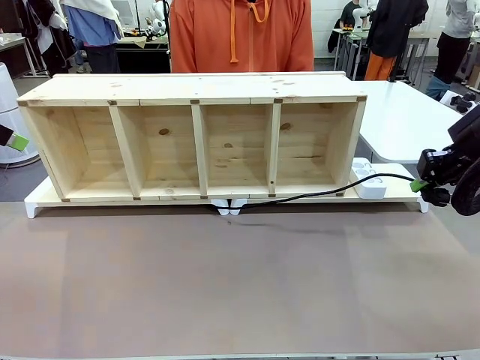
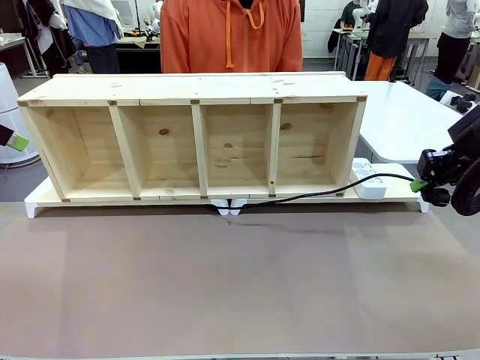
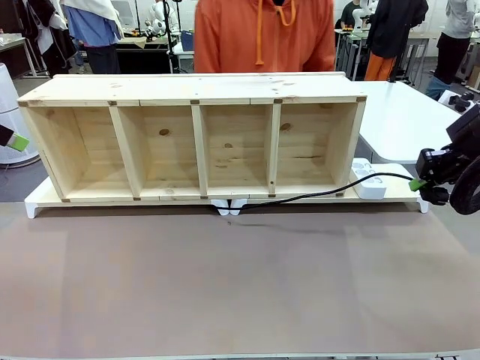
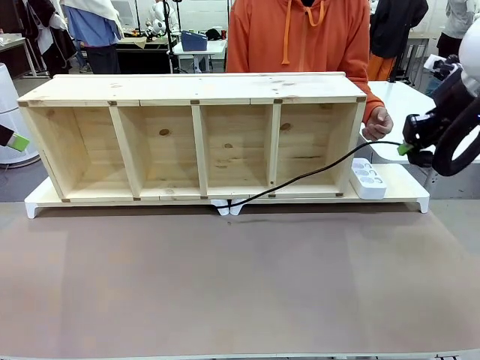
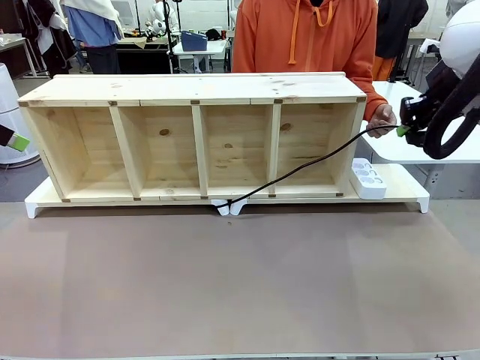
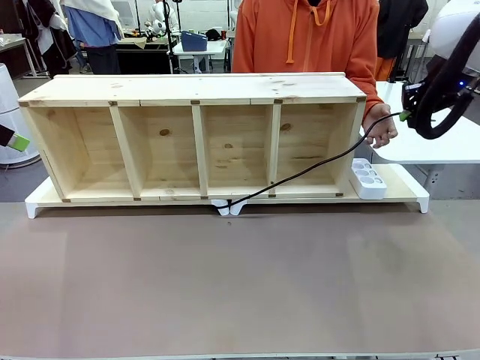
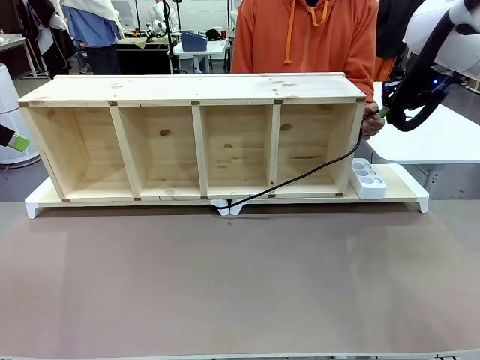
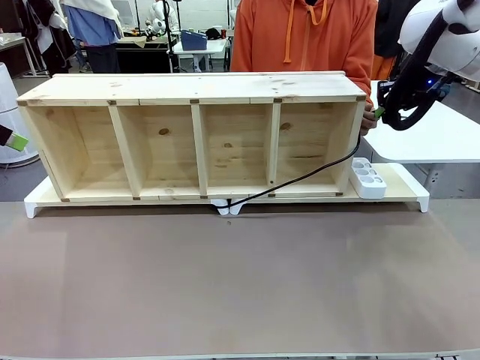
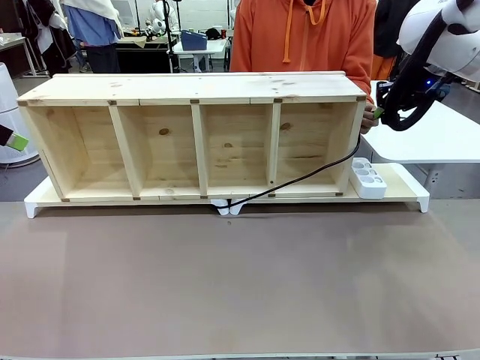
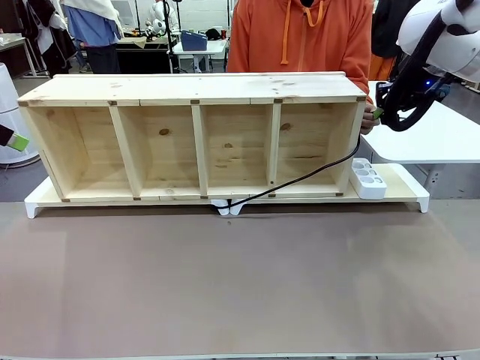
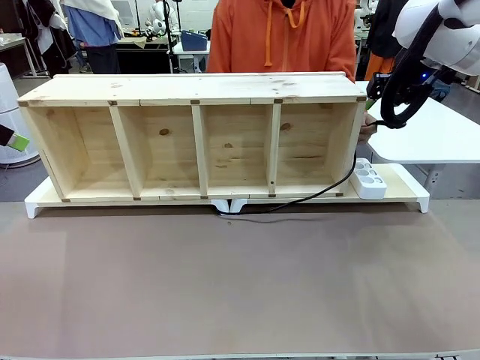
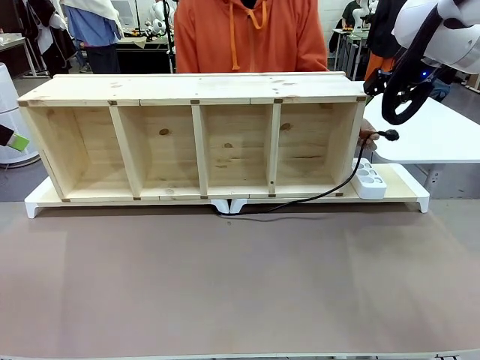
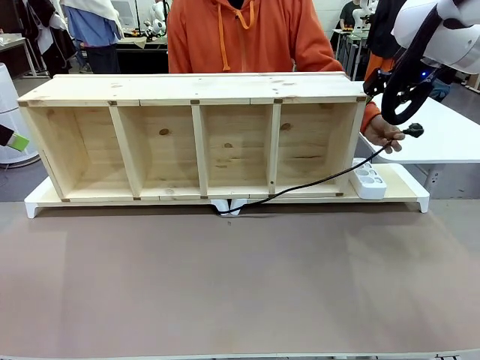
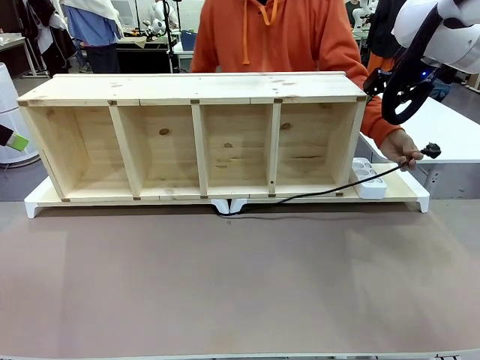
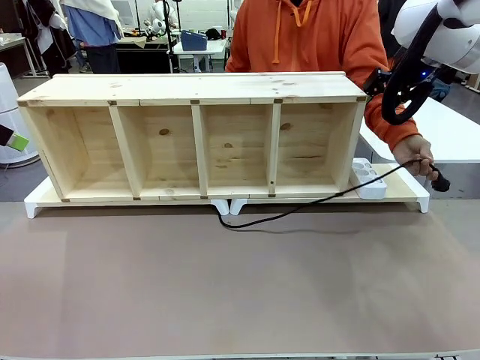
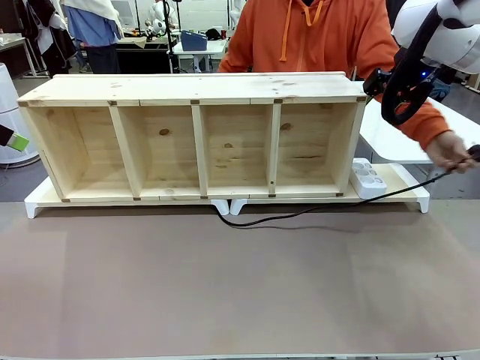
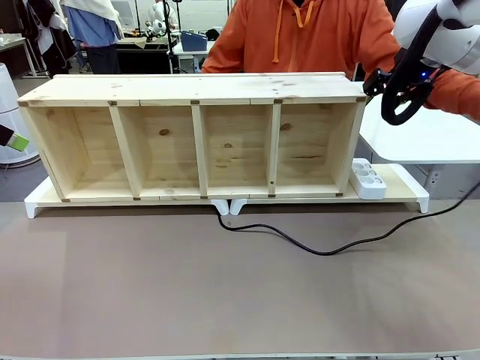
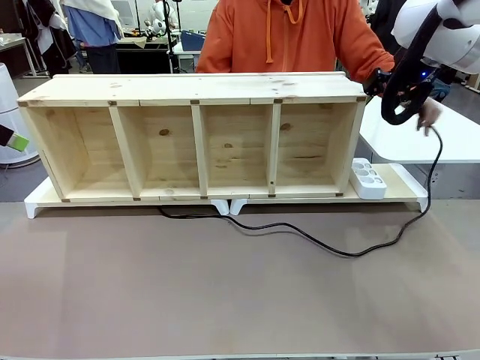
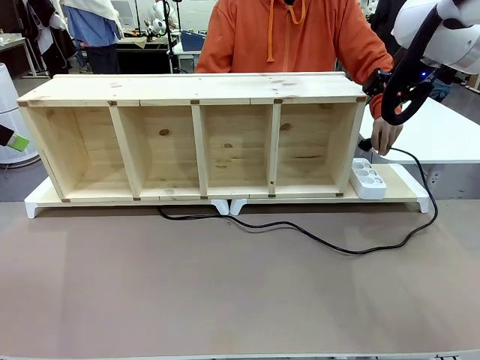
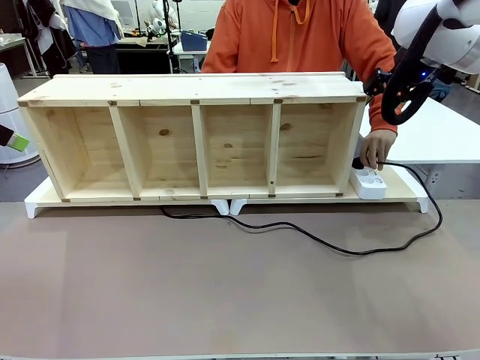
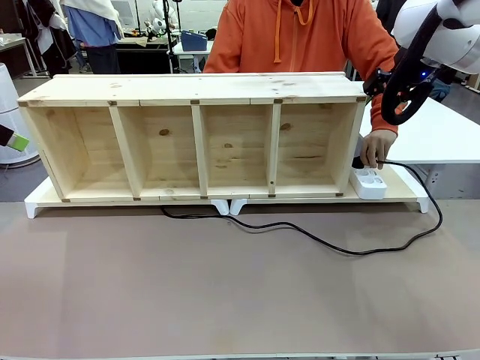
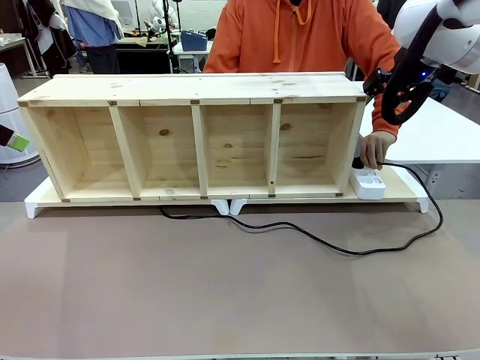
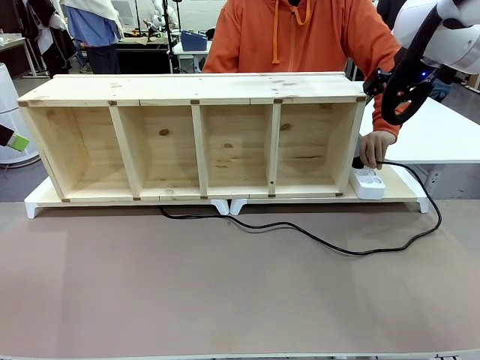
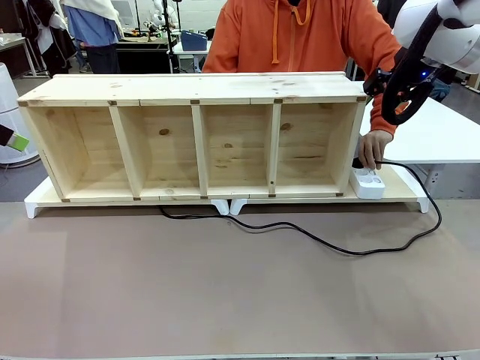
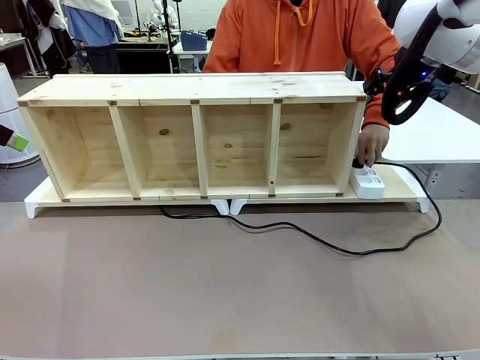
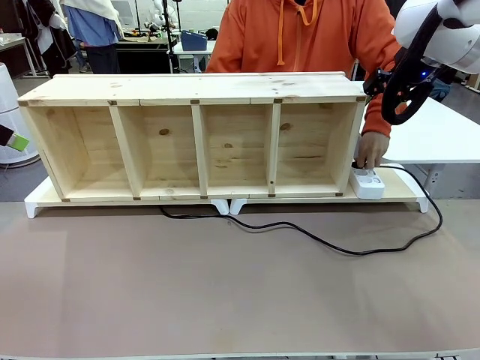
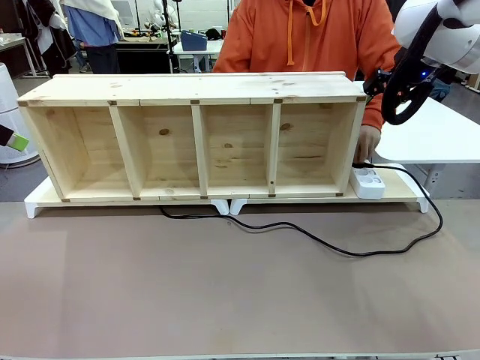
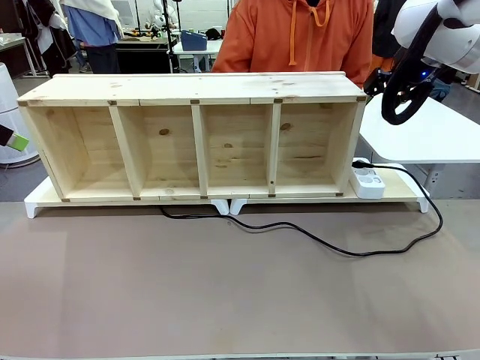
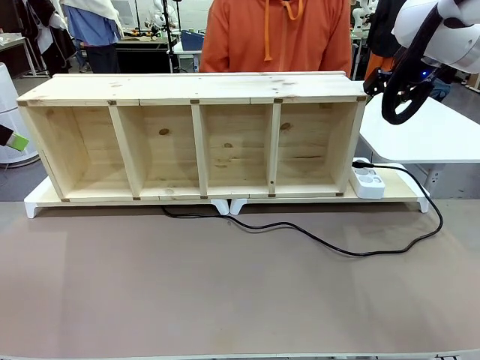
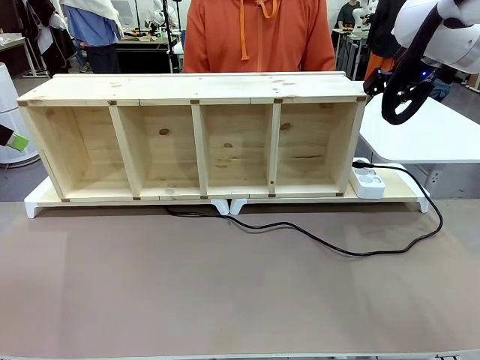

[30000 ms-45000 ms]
Task: Perform cable management.
Robot: Release the Power Cable when the human grasps it.
Person: Plug the Power Cable into the Power Strip.

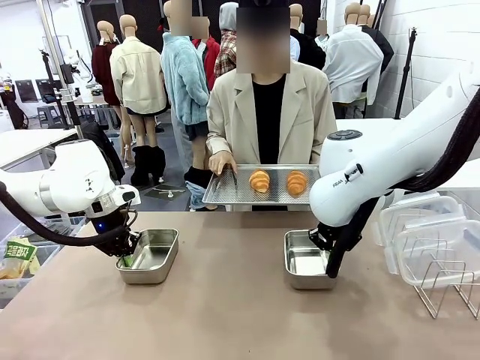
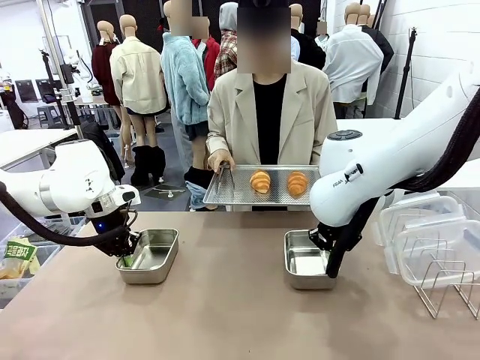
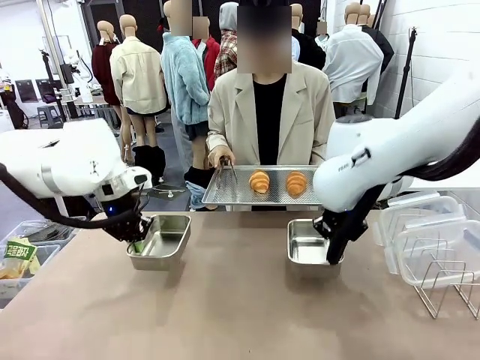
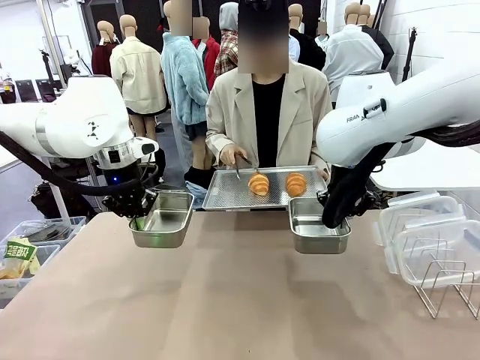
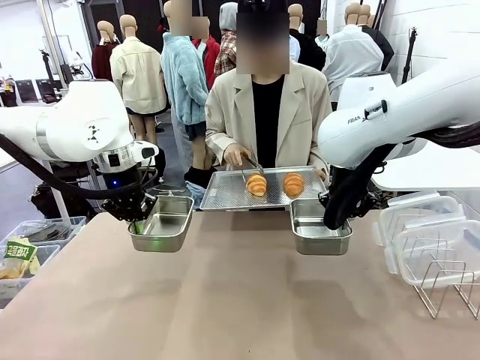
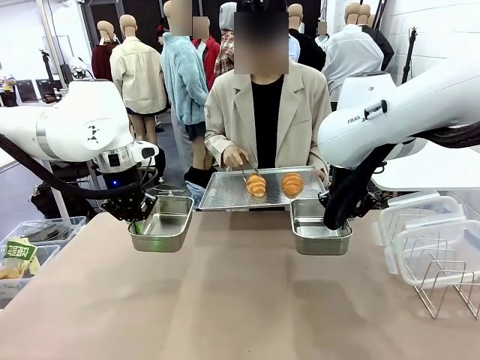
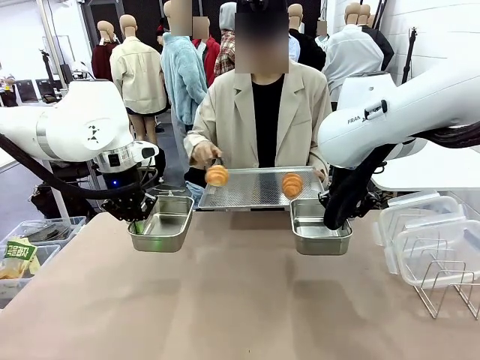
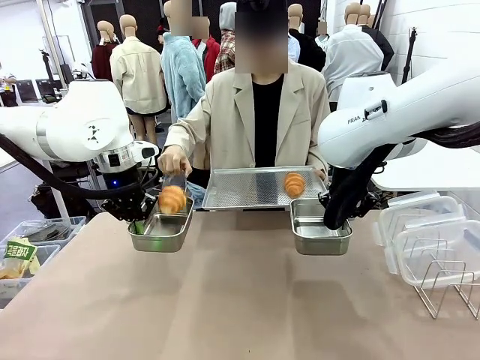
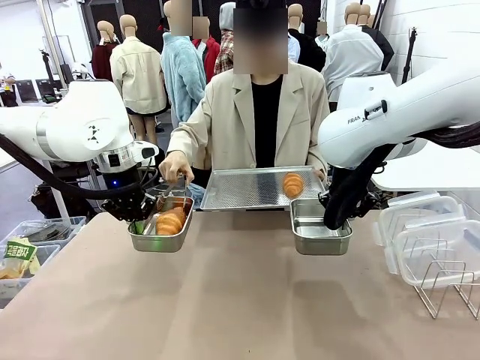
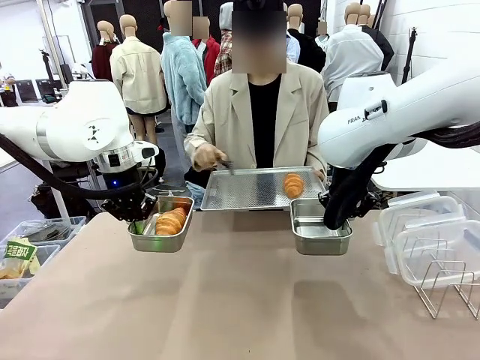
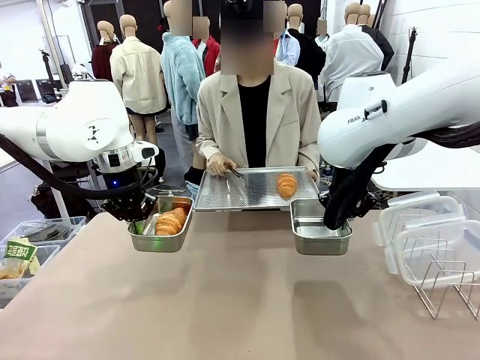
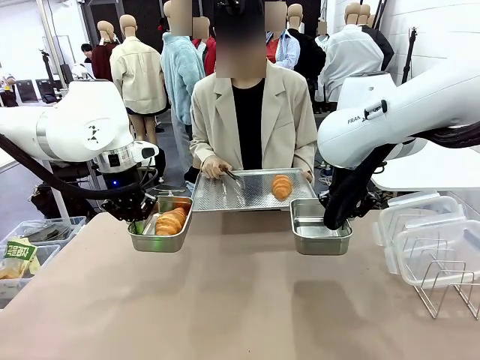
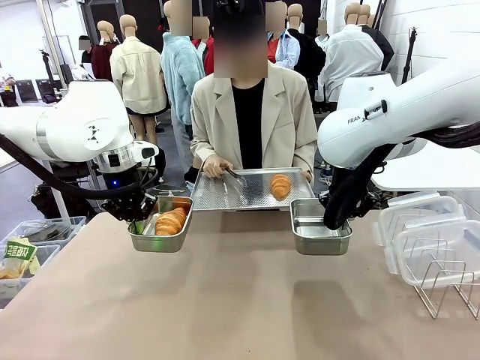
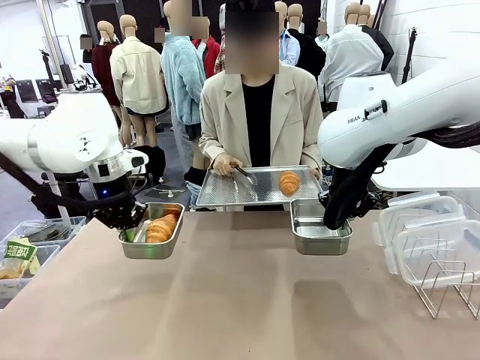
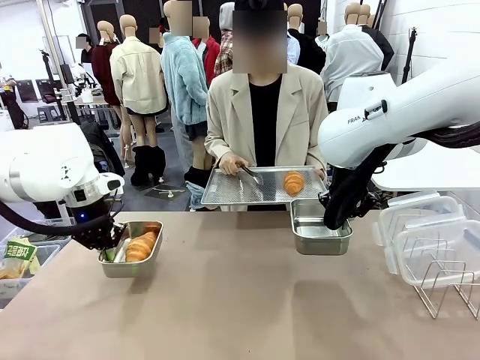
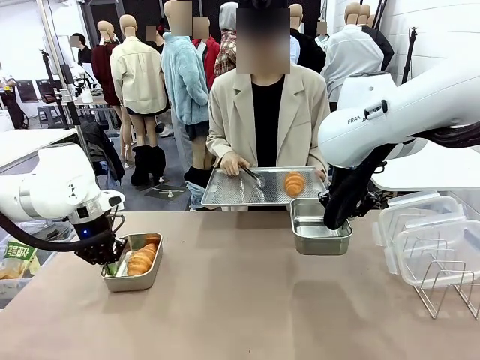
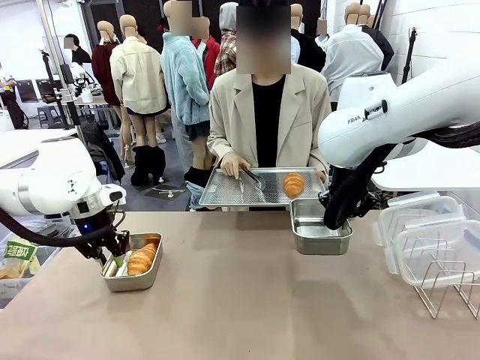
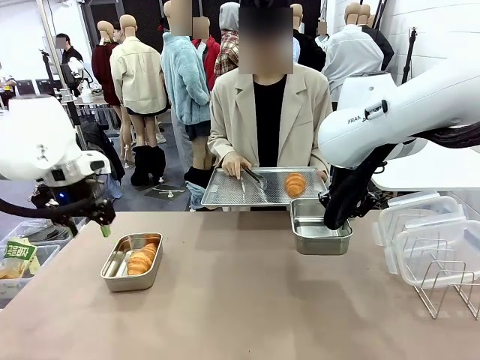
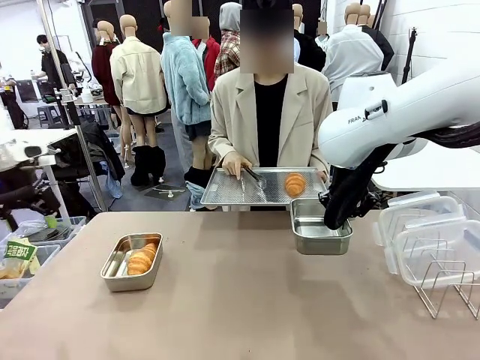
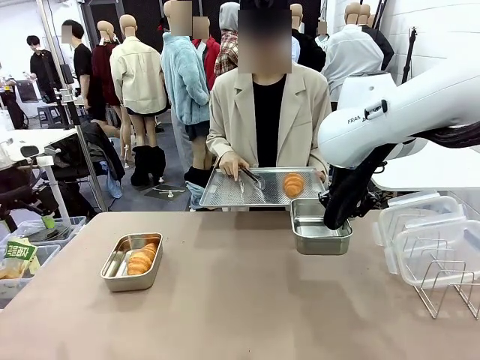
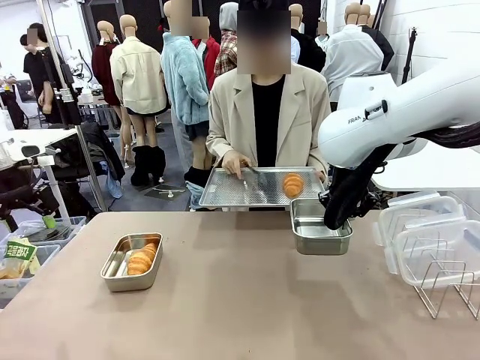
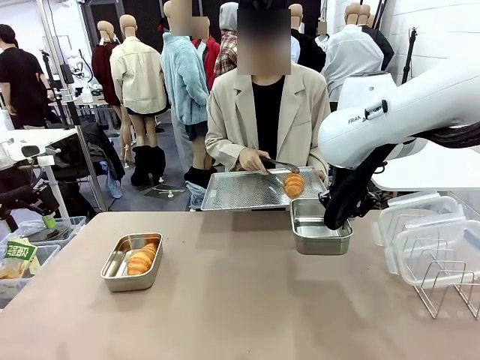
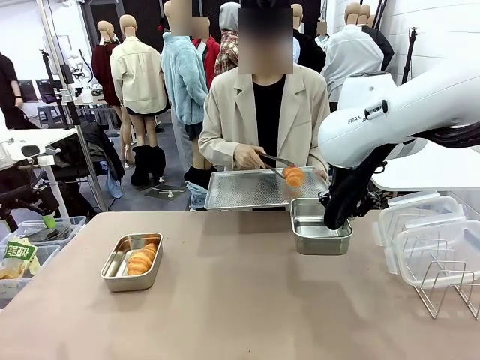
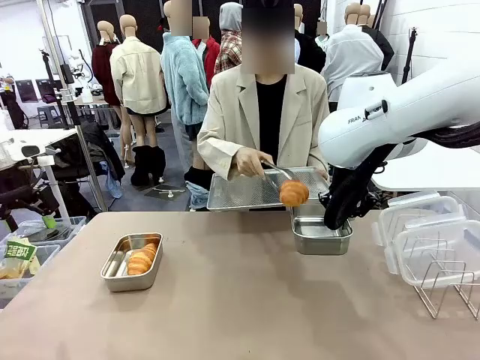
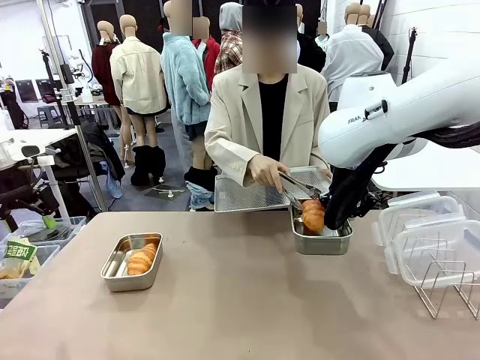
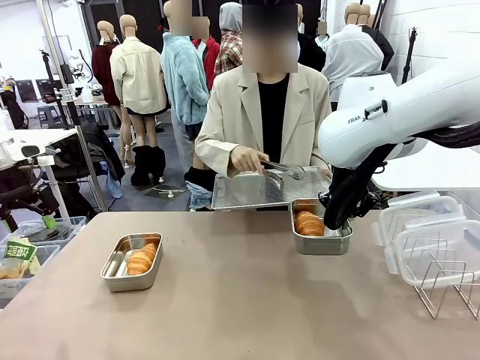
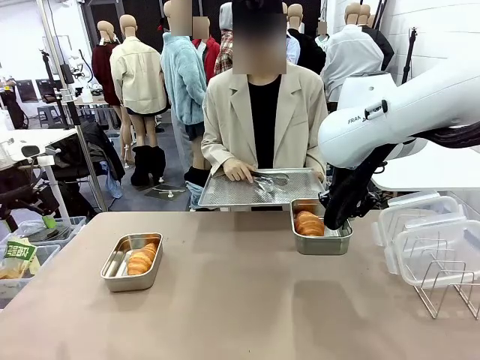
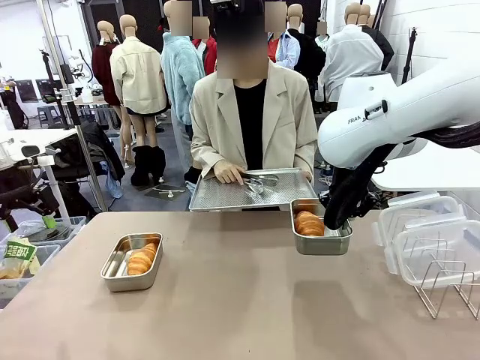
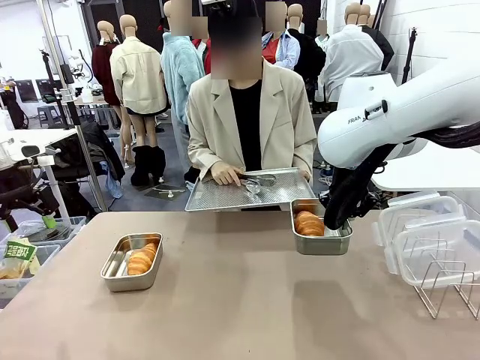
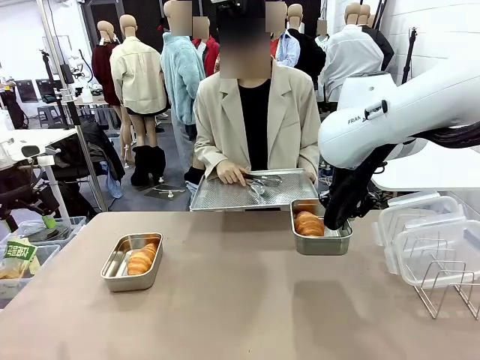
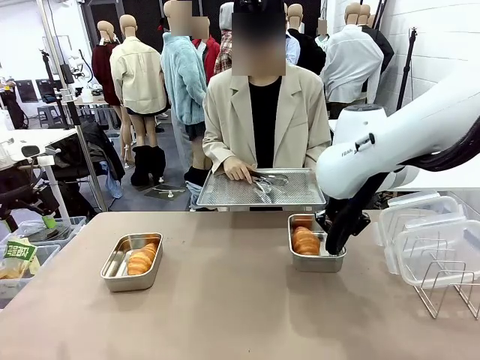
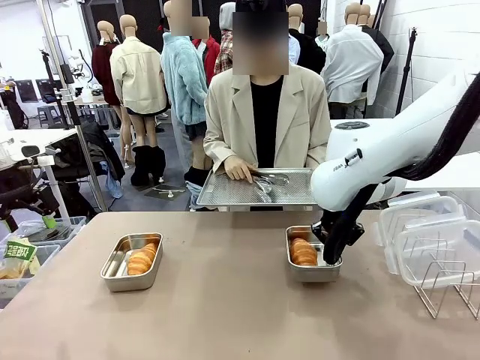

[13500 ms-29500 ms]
Task: Place the bread in airtight containers.
Robot: Once an object is inside an Airtight Container , place the container in the center of the table.
Person: Use the Stainless steel tongs to place one object from Baking Sheet into one Airtight Container.
